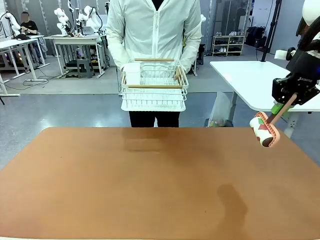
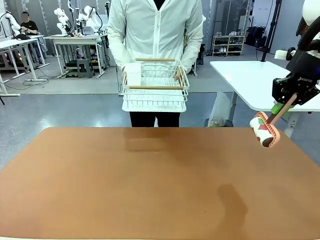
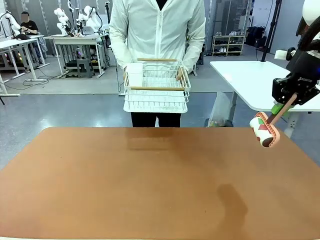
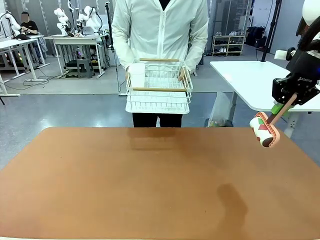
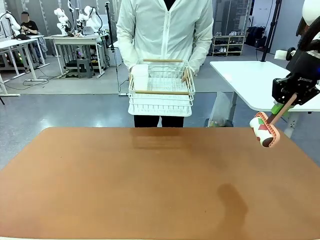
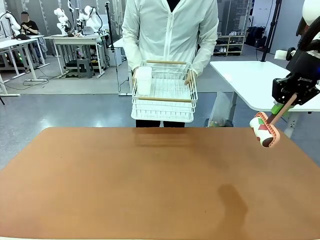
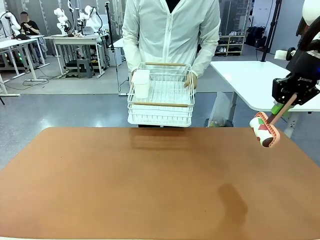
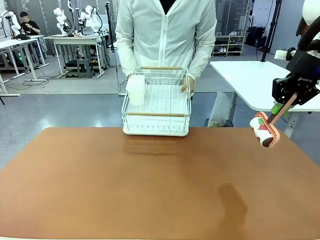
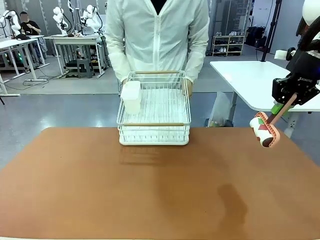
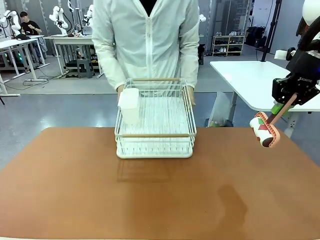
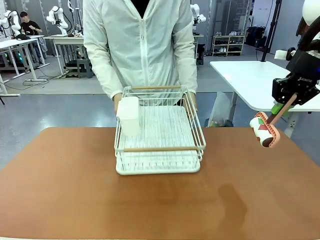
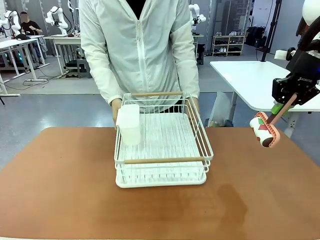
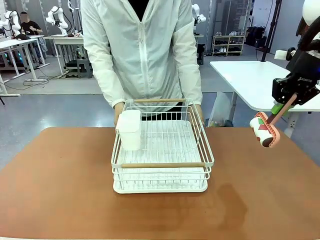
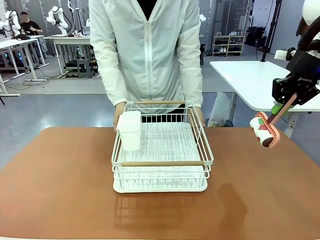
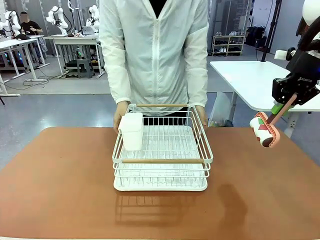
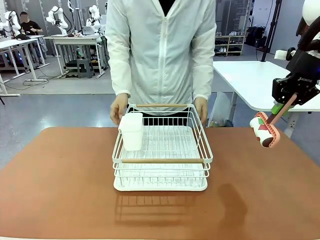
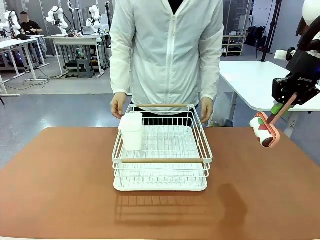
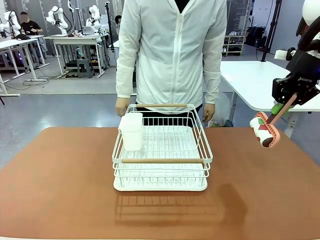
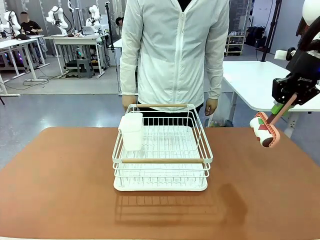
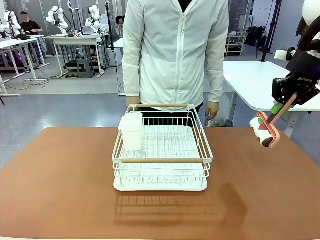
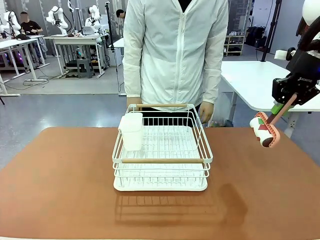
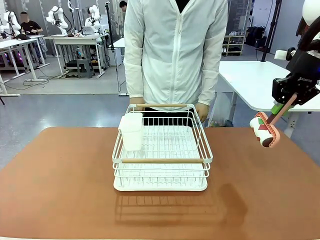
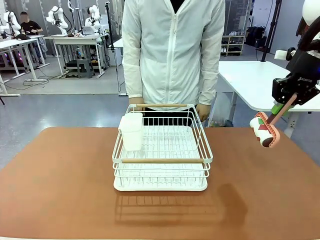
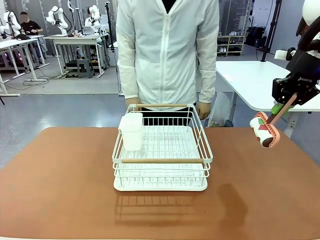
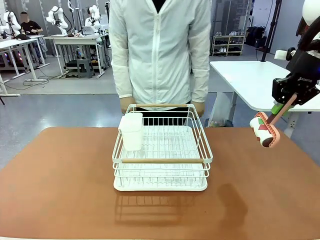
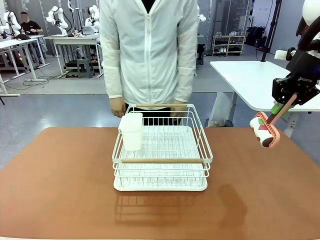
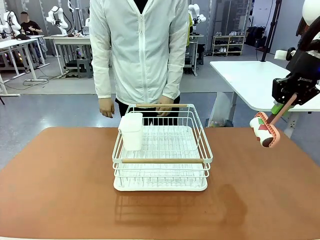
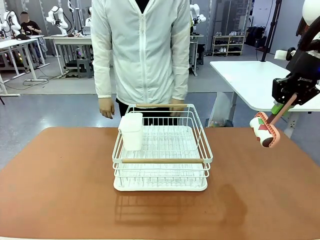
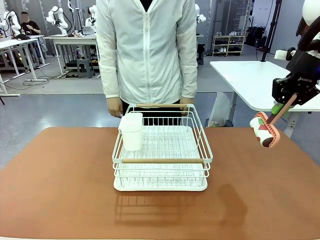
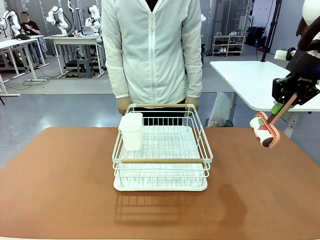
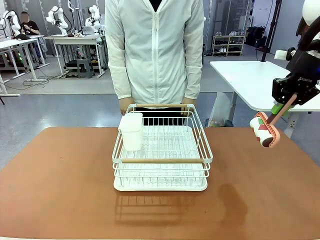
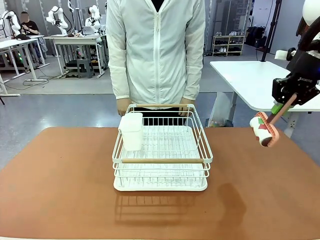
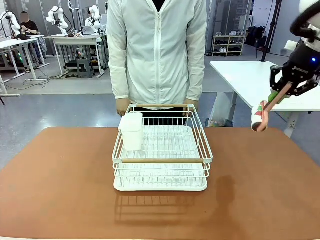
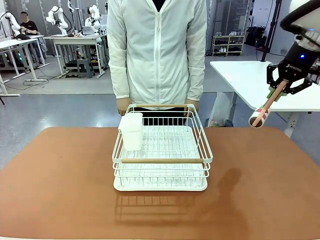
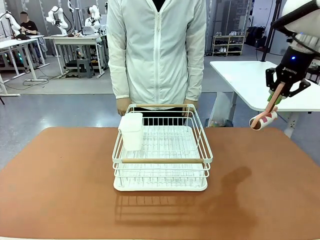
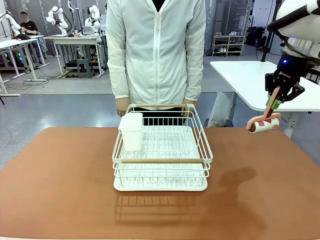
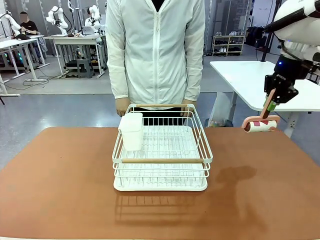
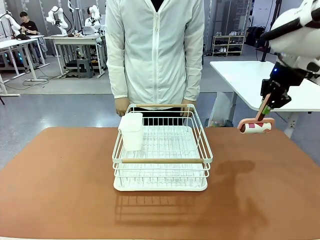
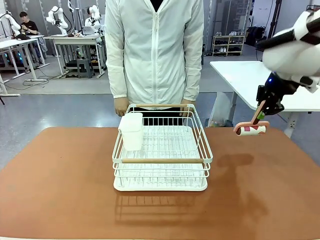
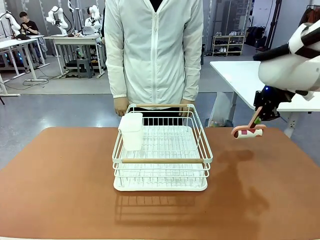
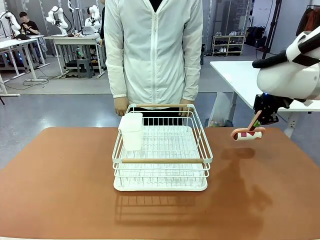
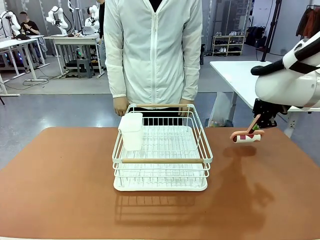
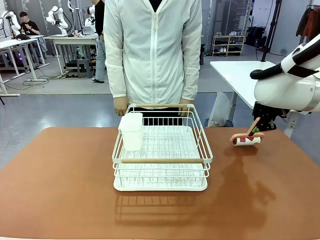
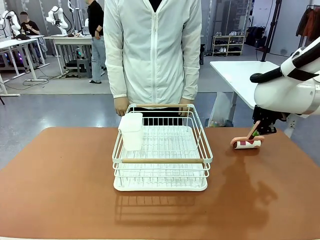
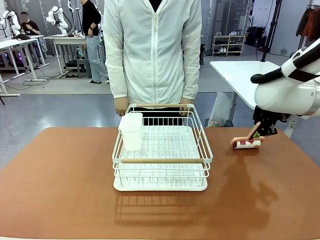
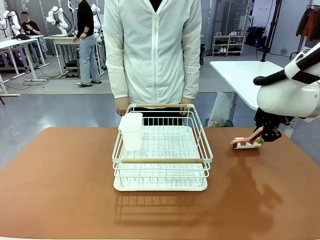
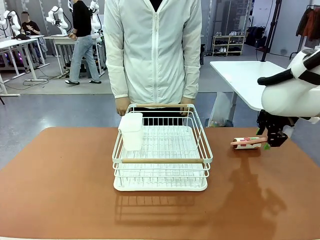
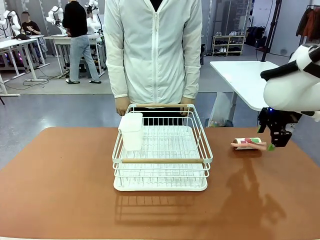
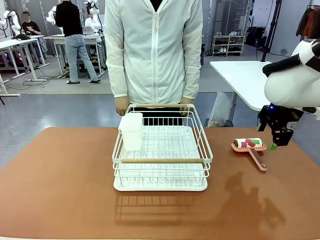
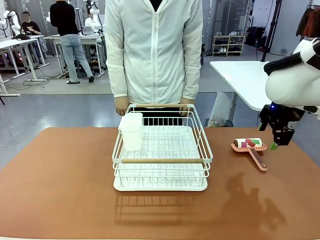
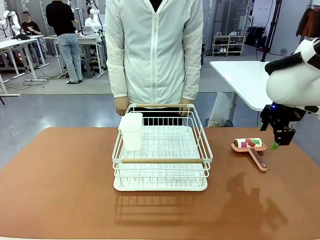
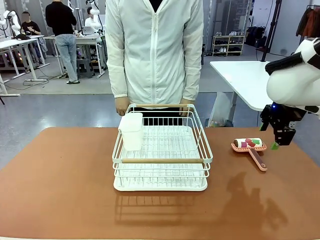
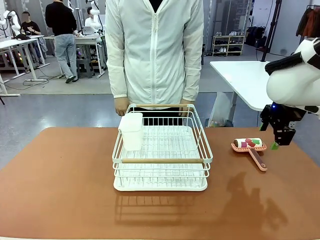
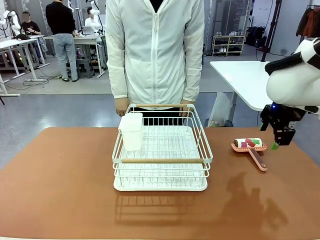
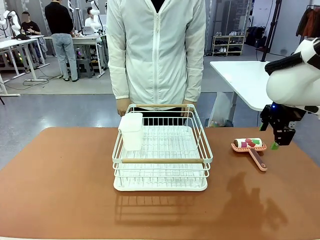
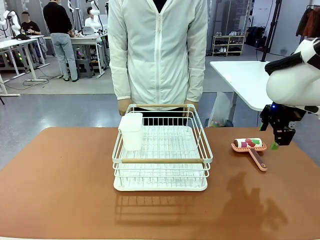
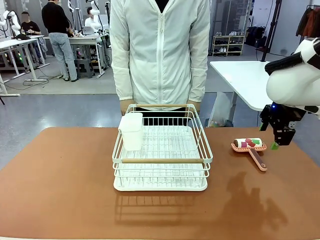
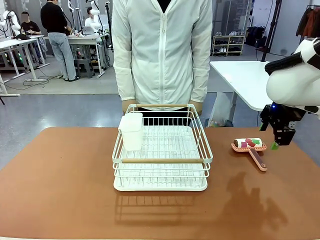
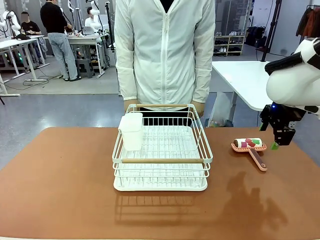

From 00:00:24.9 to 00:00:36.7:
Task: Clean the table.
Robot: Place the Lint Roller down when the Dish drying rack is positioned in the middle of the table.
Person: Place the Dish drying rack down when the robot finishes cleaning.

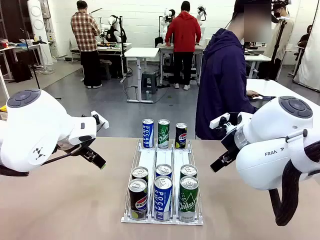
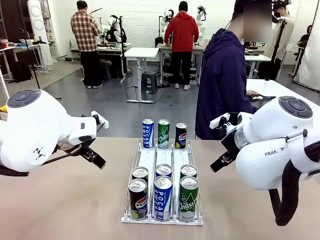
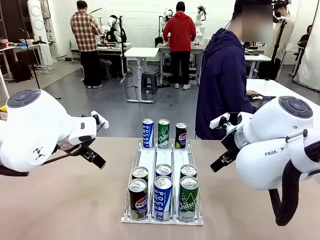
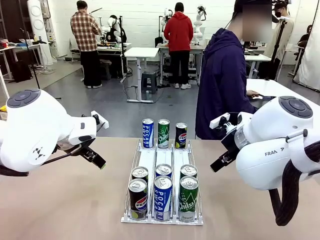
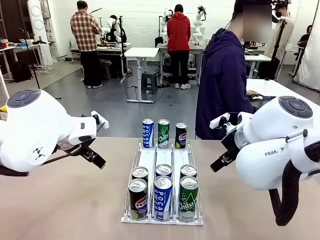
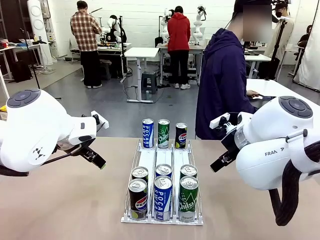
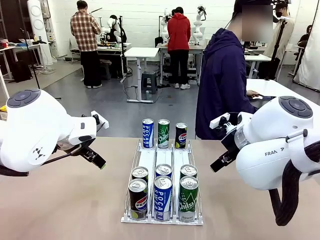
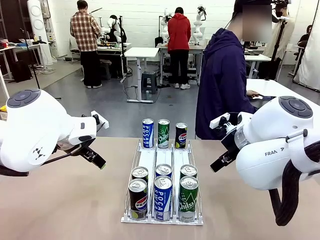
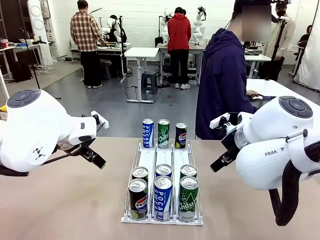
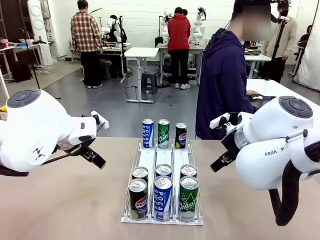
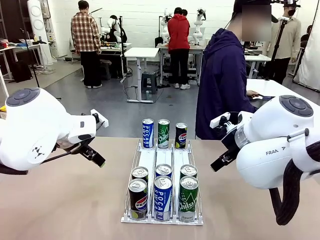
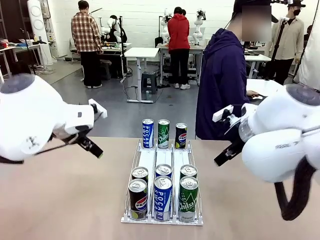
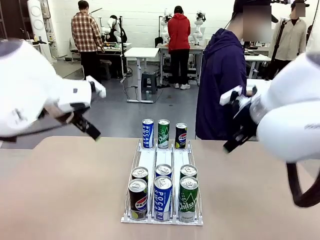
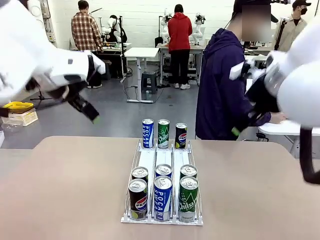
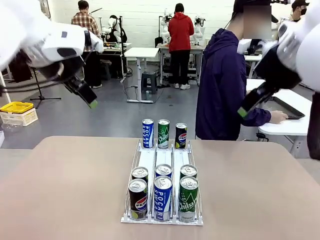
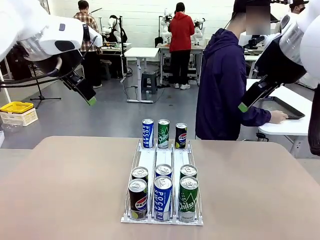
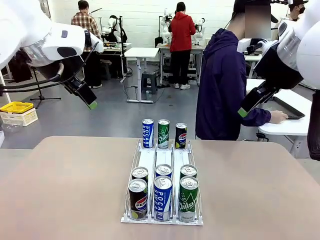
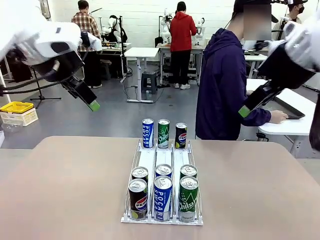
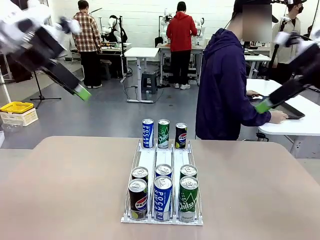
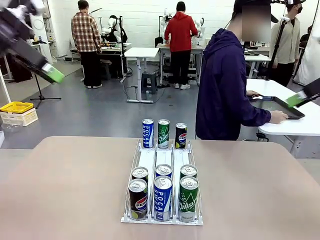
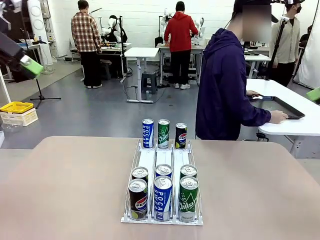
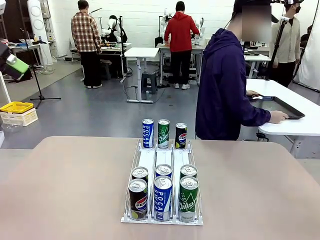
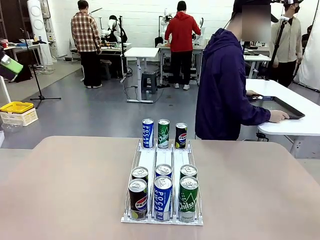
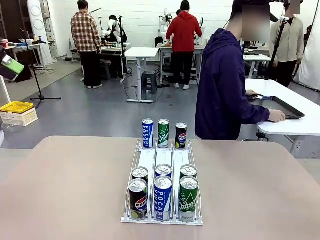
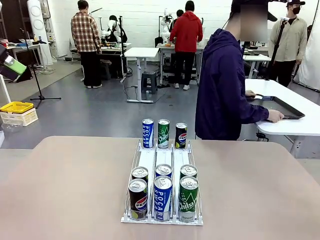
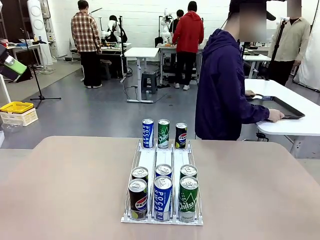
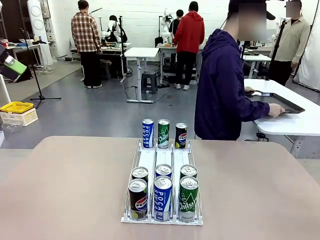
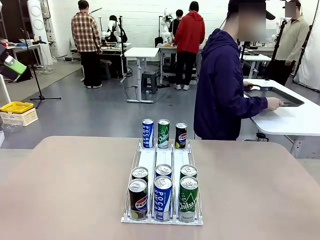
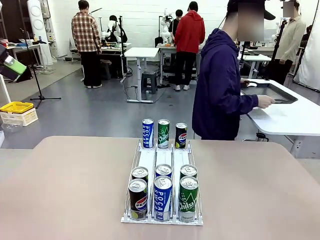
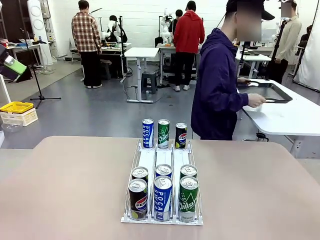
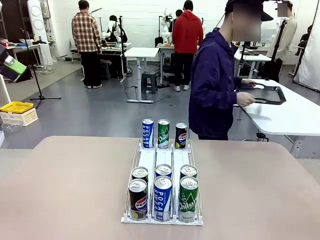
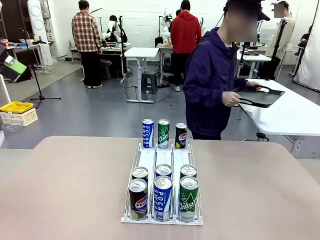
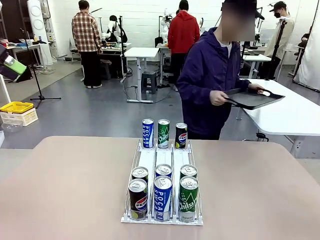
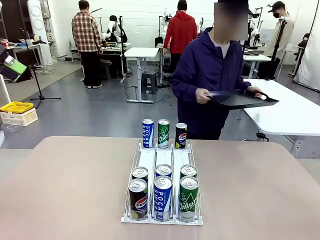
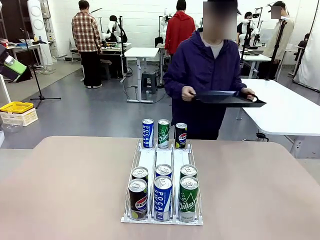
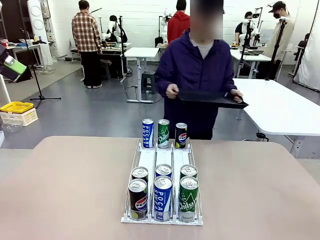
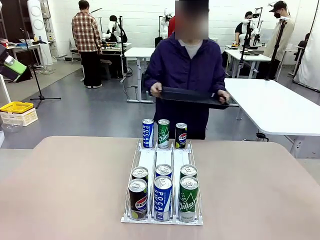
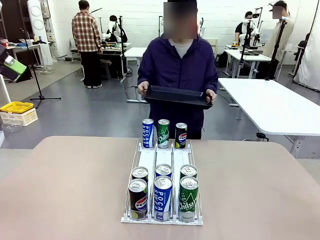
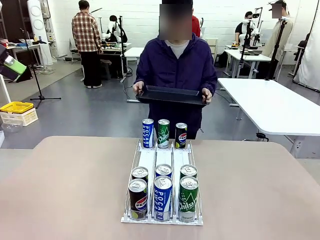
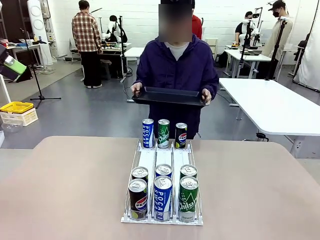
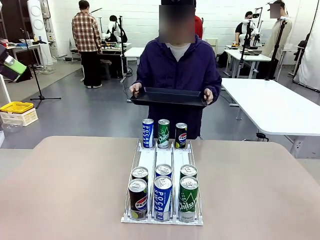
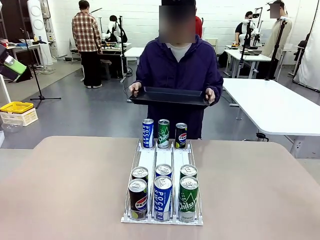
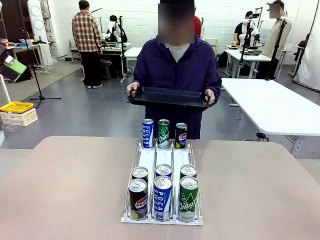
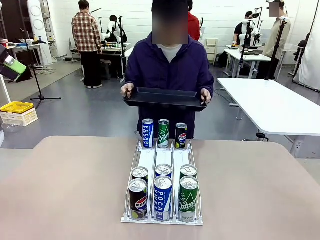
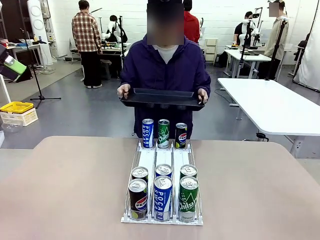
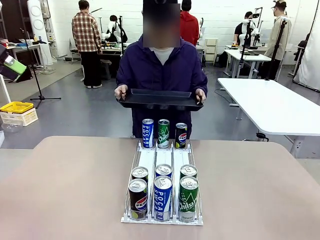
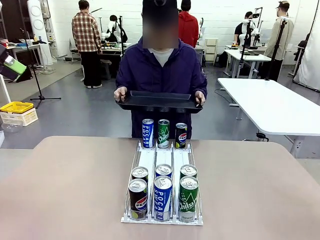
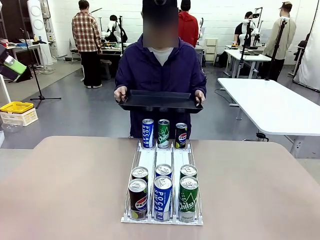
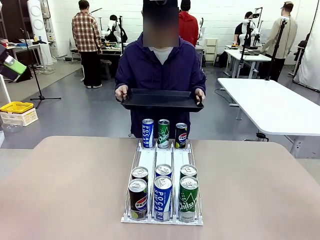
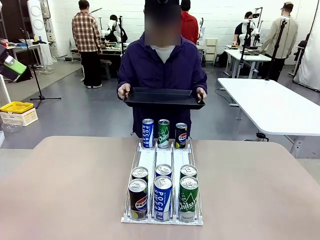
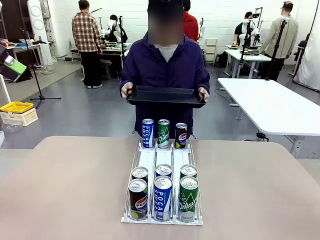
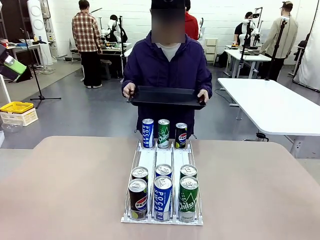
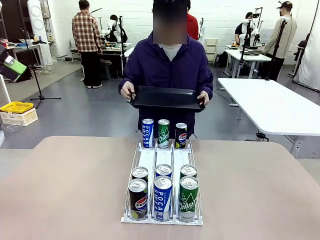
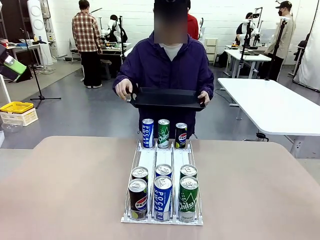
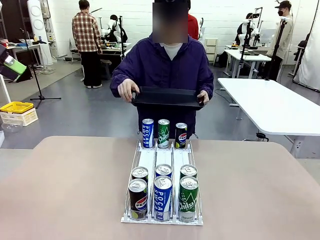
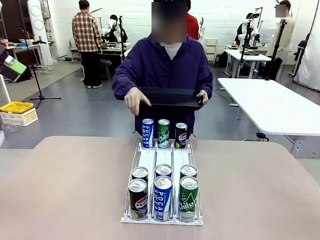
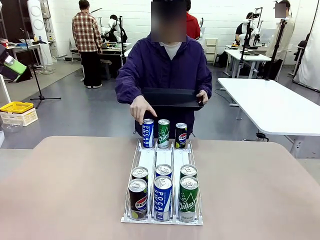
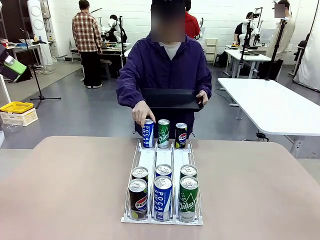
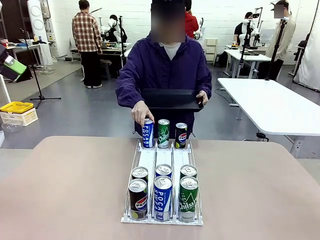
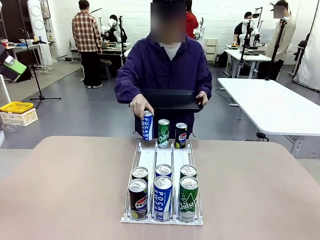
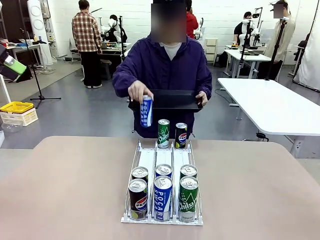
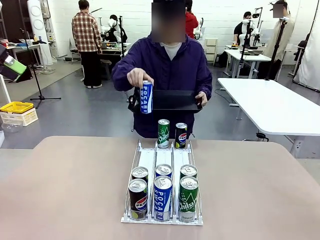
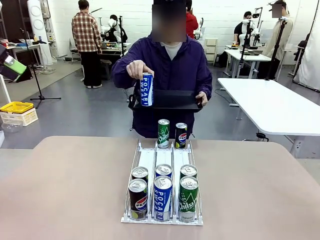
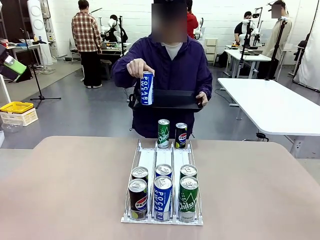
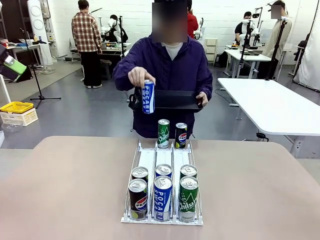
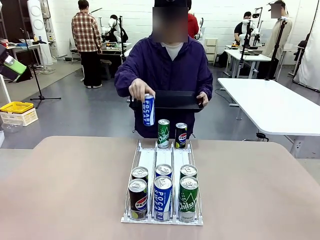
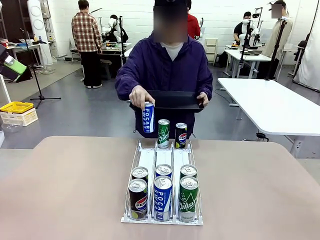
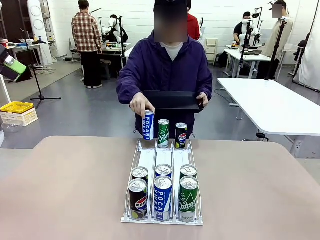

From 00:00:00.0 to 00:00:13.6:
Task: Retrieve and hand over the desired beverage to the person.
Robot: Pick up a can of the same type that the person held from the Automatic Can Dispenser.
Person: Hold the tray and position yourself in front of the robot table. Pick up one can from the bottom area of the table and puts it back in its original place.
